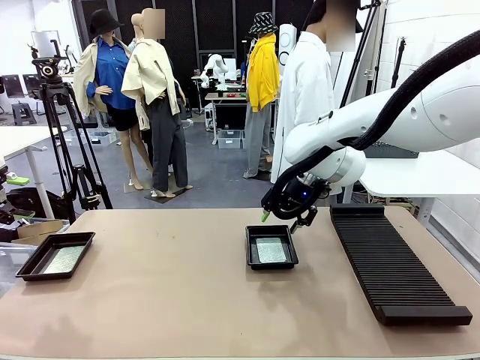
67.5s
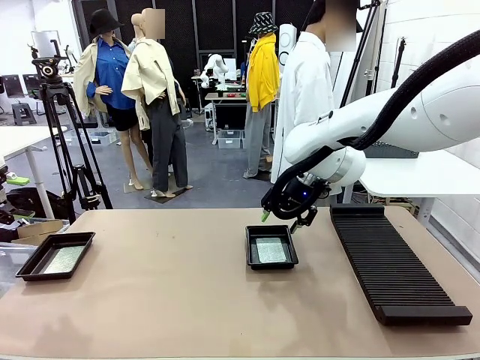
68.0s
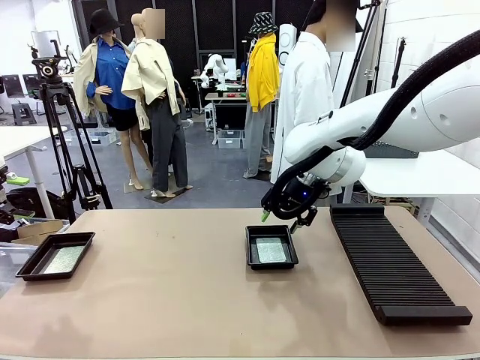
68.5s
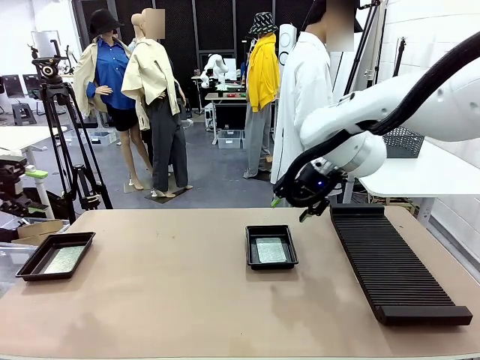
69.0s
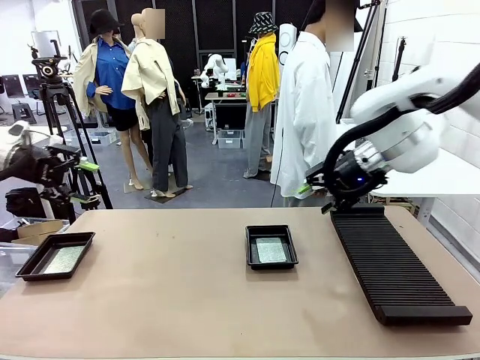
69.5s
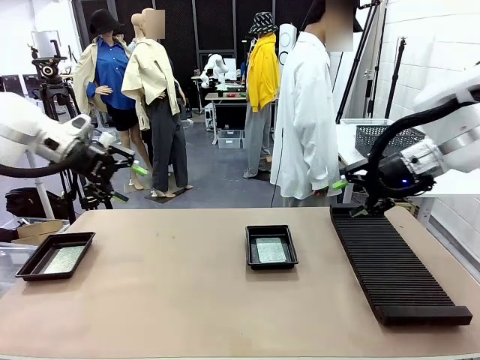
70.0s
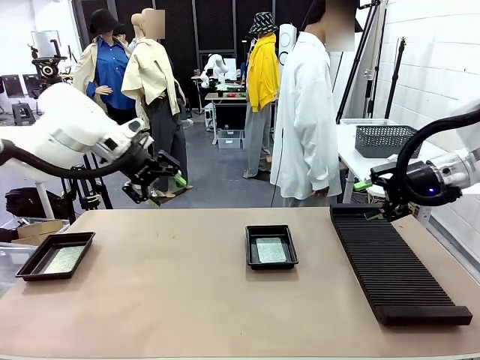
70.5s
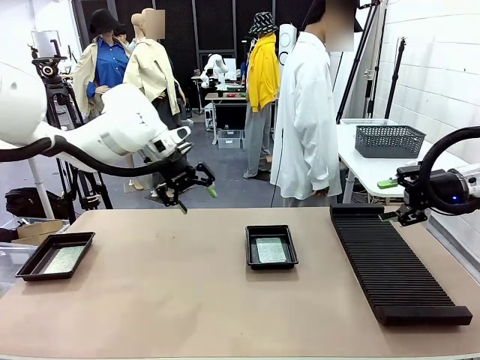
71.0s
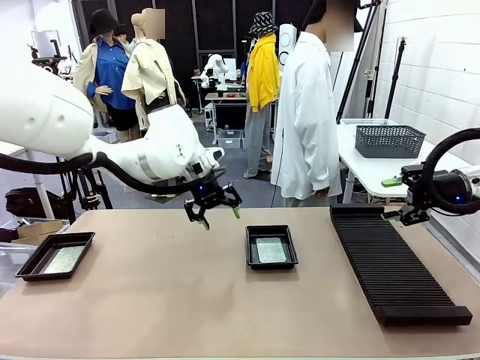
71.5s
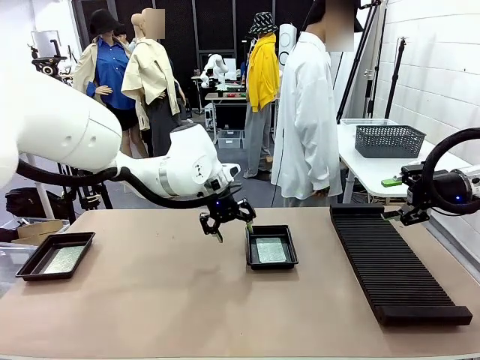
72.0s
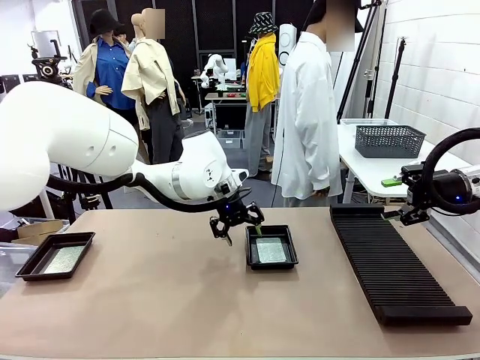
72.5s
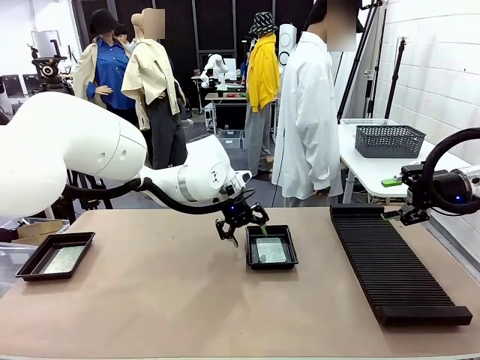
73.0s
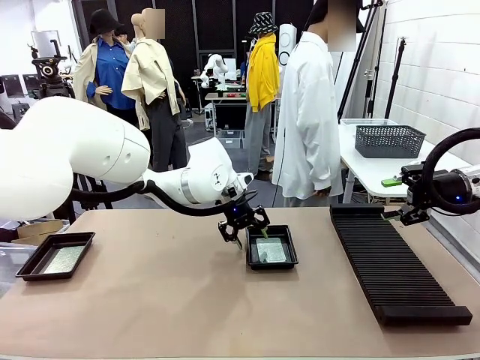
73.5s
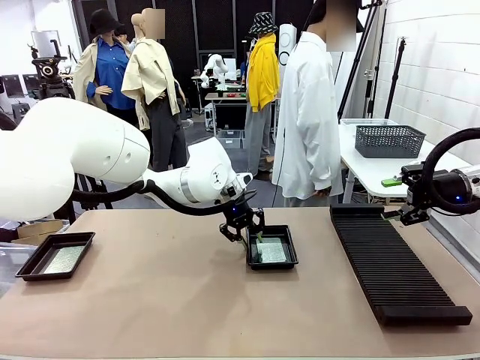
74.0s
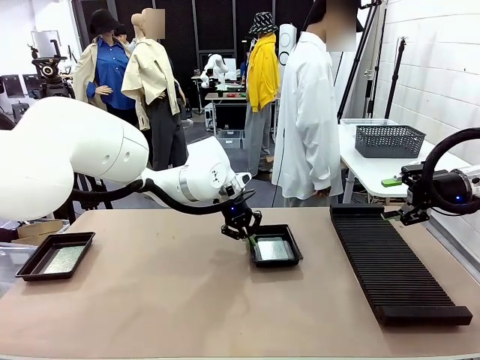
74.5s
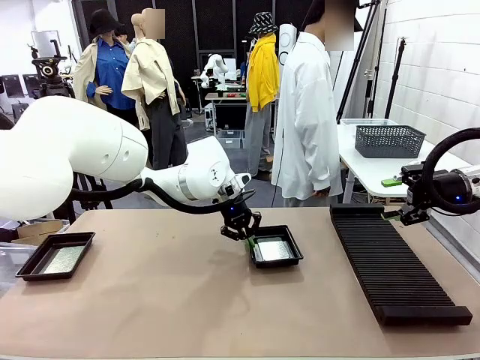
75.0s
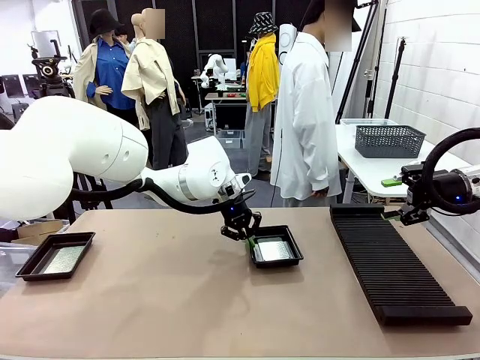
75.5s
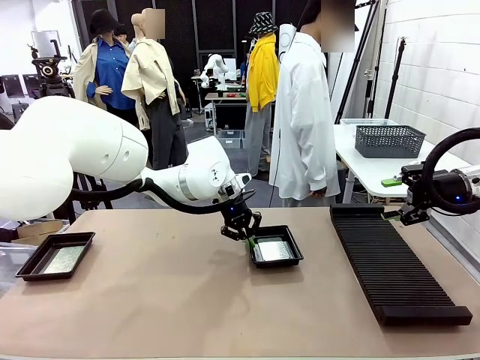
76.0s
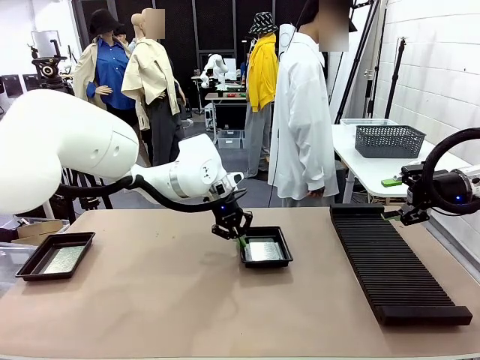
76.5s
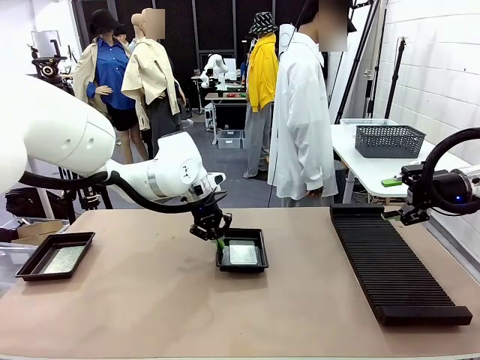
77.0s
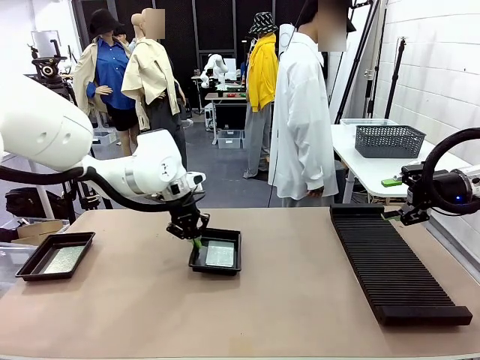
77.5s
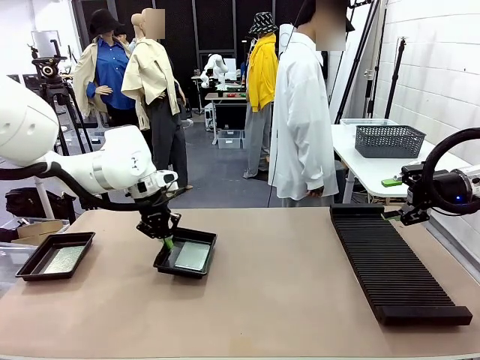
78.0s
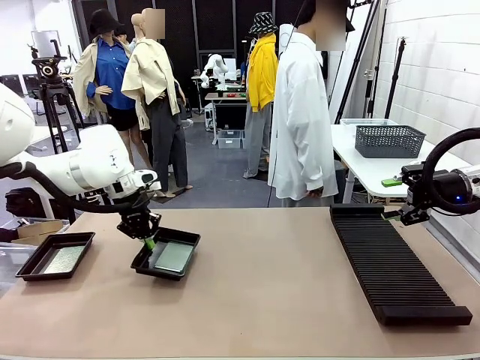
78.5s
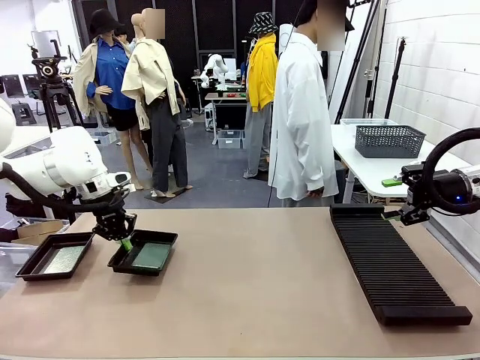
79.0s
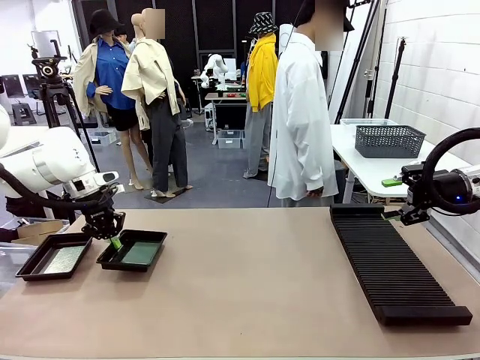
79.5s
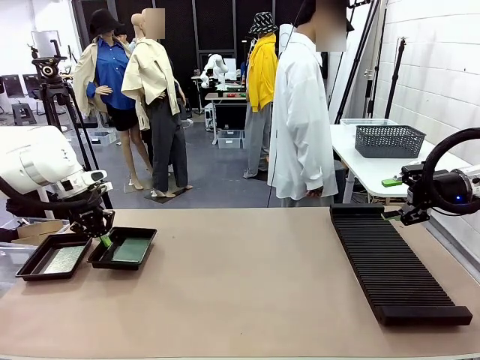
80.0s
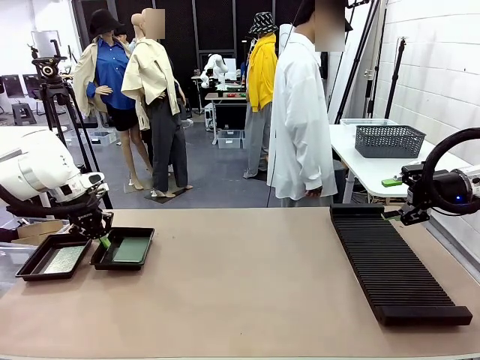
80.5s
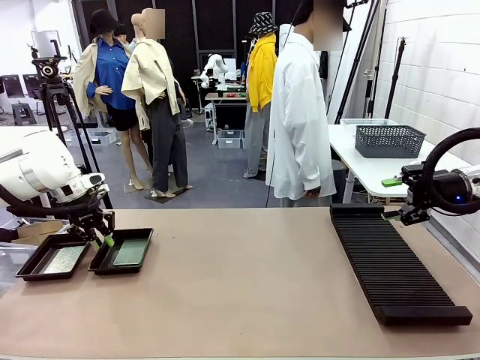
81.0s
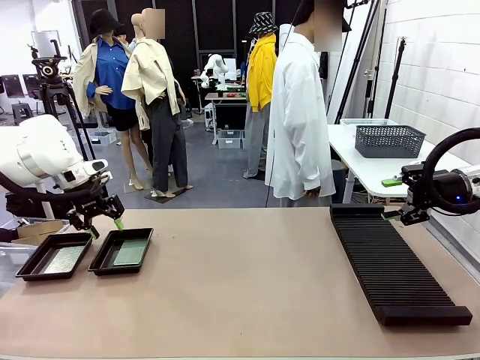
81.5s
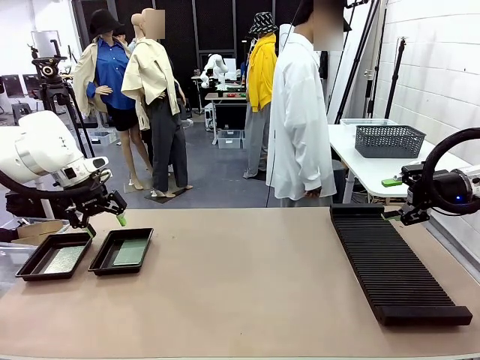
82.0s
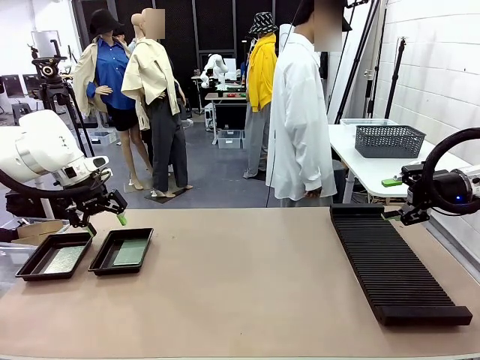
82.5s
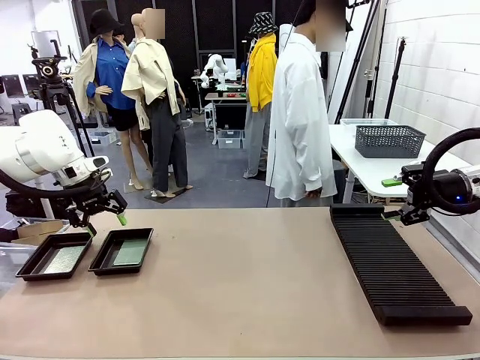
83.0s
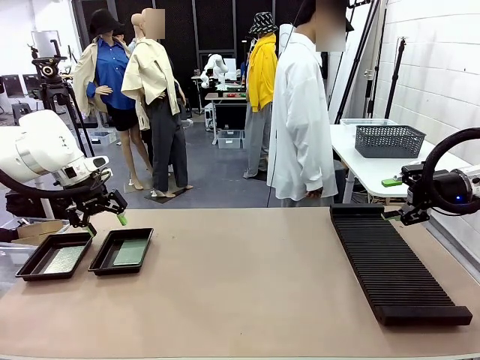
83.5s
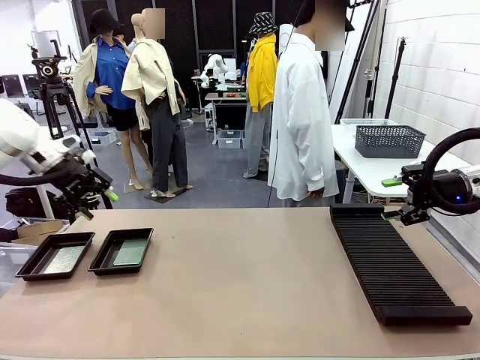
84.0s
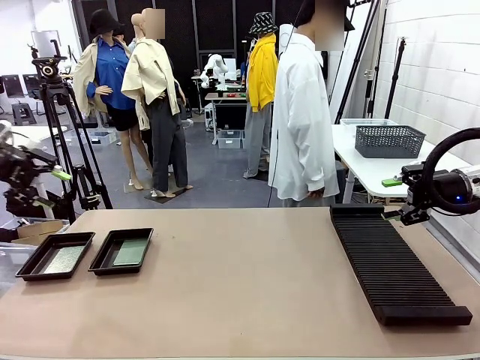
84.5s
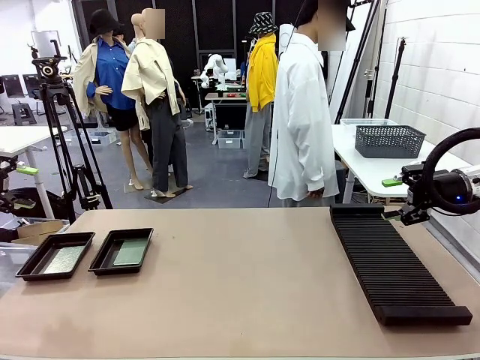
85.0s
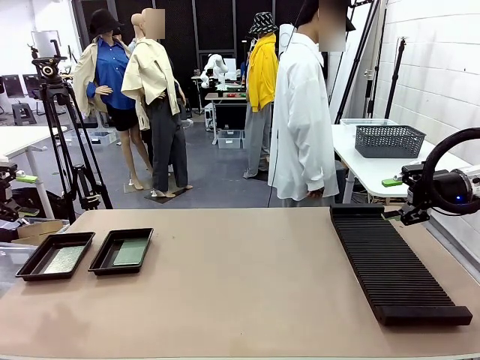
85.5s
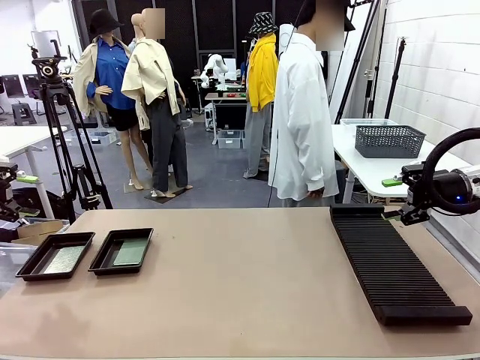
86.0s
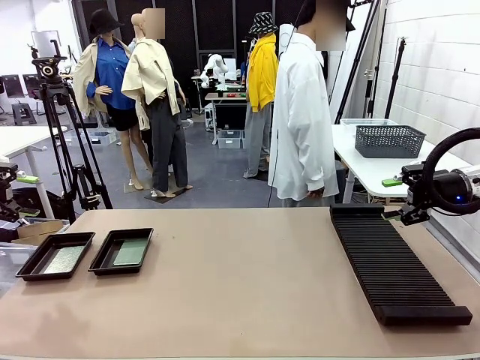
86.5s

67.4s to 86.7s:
Task: Inspect and transfer BCBs to ESD trays.
Robot: Pick up the ESD tray and place it on the left side of the table.

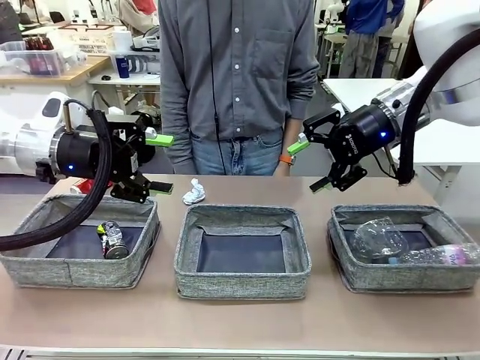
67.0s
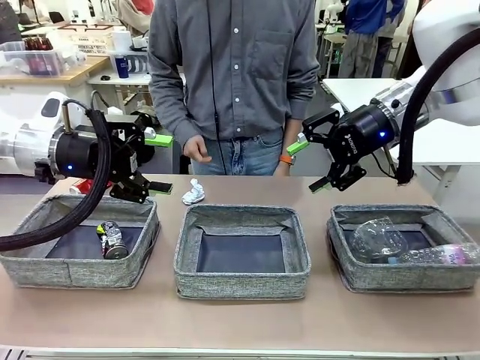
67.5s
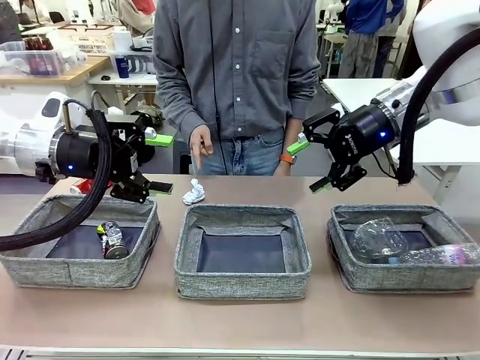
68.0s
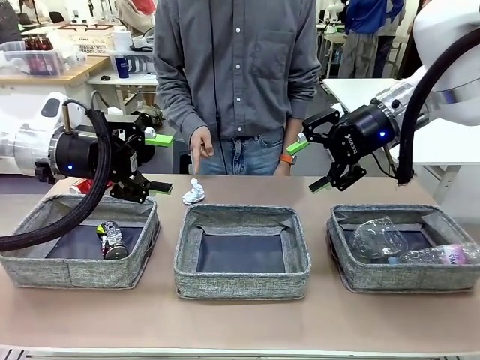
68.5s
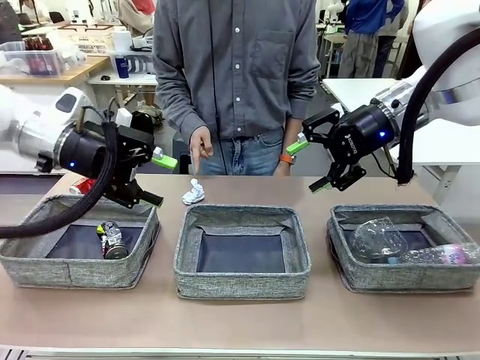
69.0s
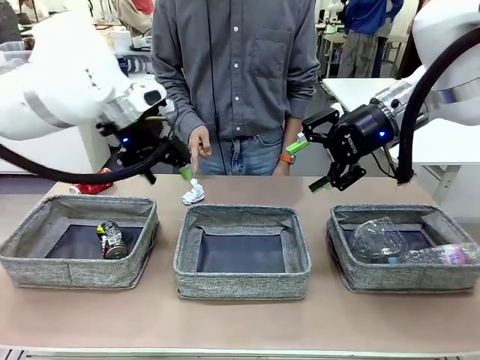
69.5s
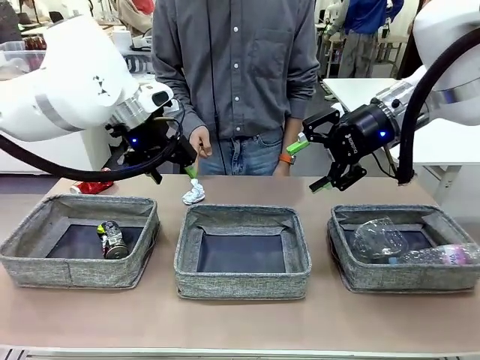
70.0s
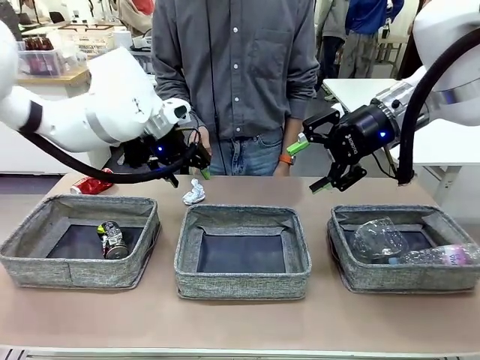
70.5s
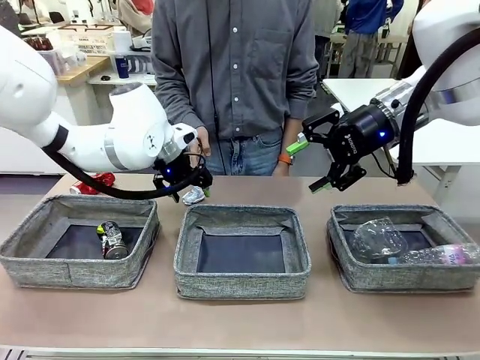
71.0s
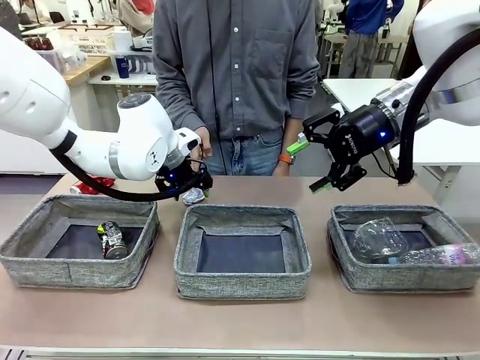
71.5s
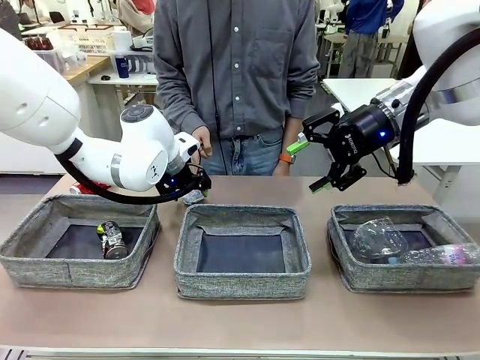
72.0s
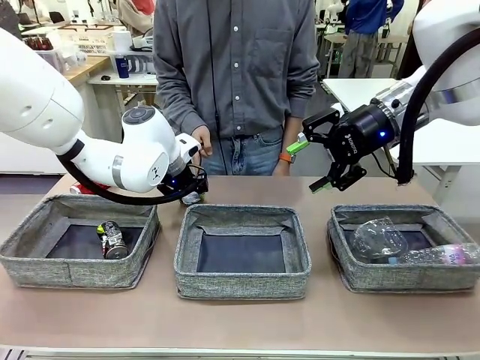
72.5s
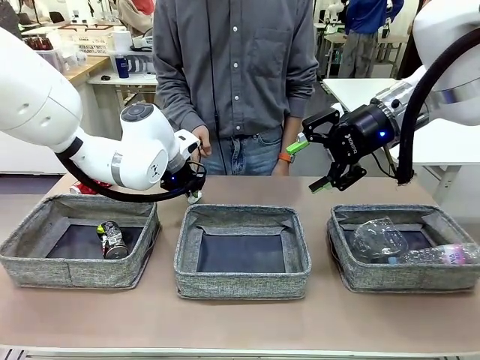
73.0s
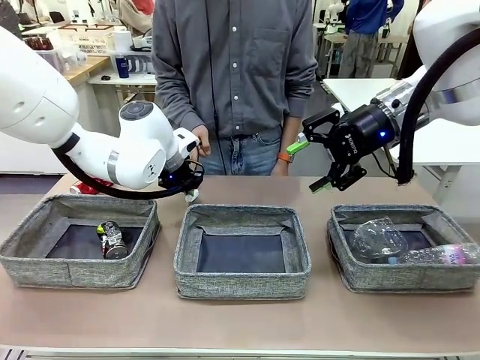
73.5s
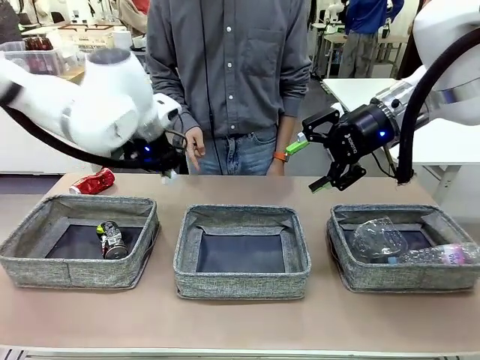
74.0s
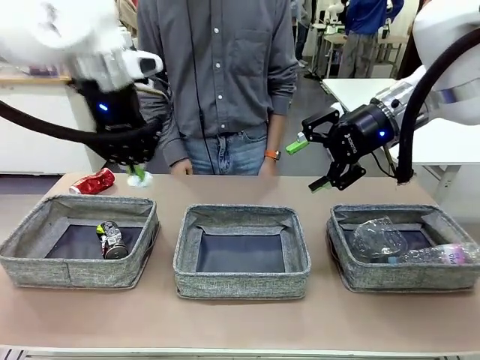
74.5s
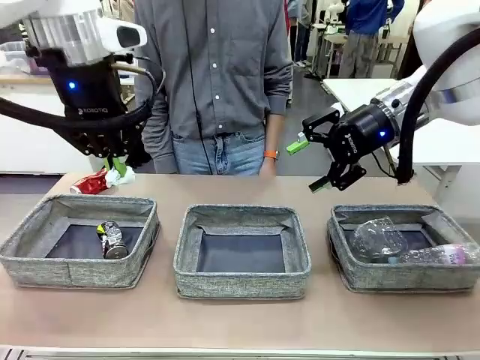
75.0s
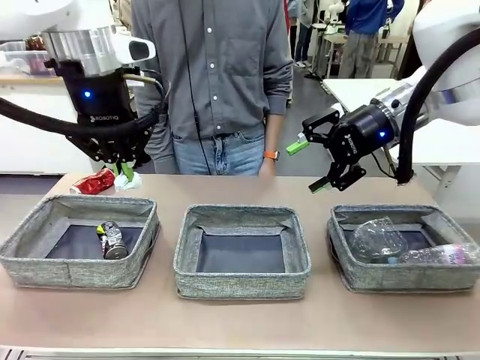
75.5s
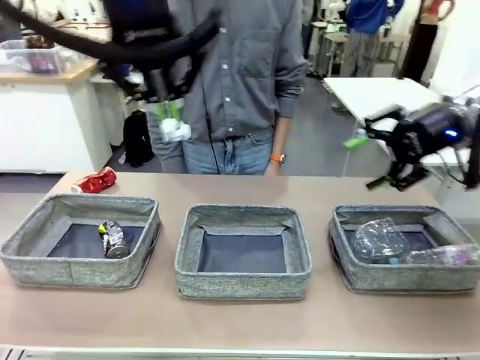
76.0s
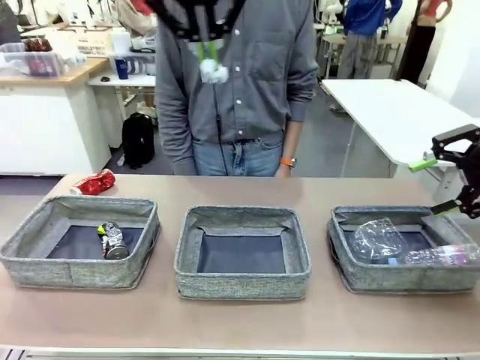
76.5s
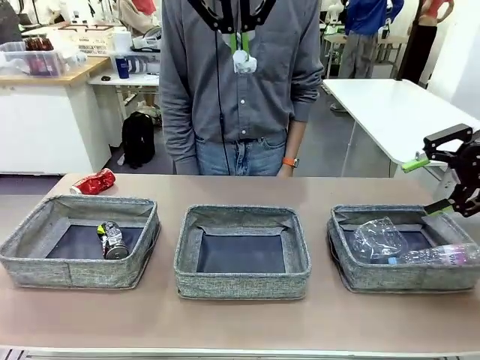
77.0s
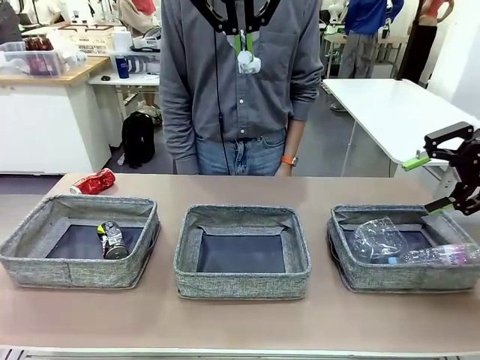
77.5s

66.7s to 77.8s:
Task: Sort the waste into the appropriate baskets.
Robot: Pick up the waste item pointed out by the person.
Person: Points to one piece of trash on the table.
